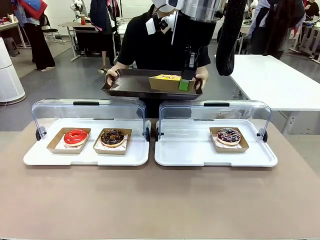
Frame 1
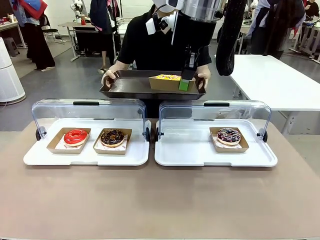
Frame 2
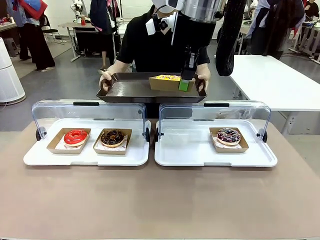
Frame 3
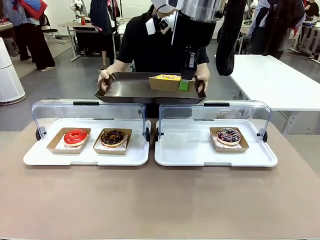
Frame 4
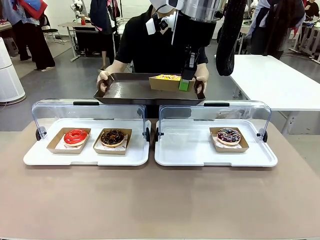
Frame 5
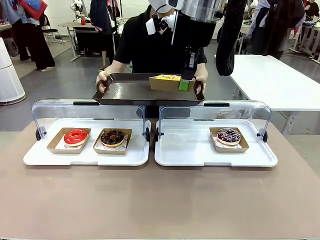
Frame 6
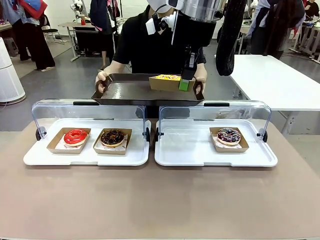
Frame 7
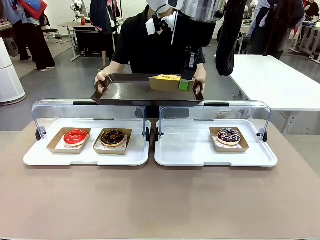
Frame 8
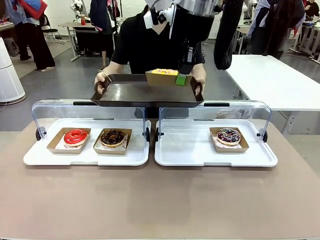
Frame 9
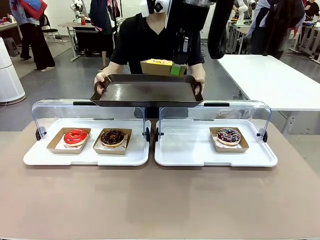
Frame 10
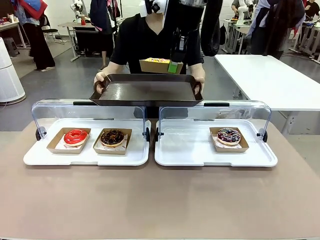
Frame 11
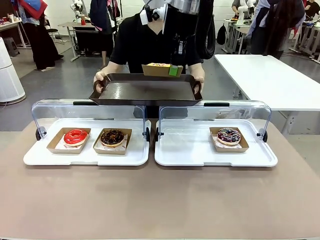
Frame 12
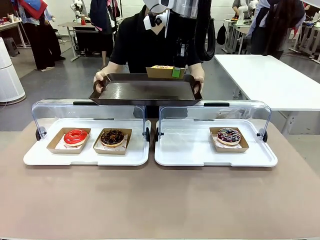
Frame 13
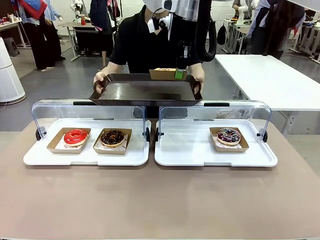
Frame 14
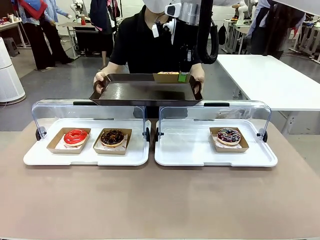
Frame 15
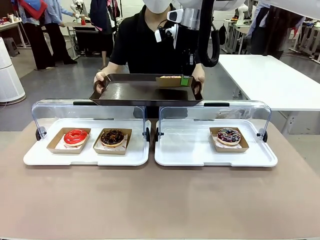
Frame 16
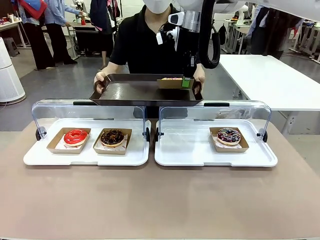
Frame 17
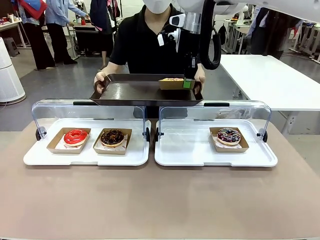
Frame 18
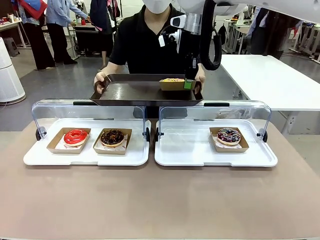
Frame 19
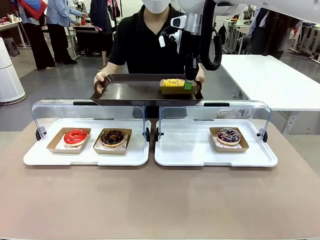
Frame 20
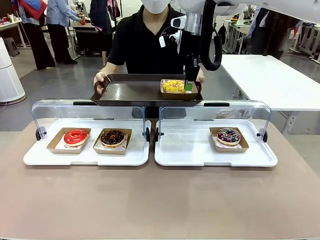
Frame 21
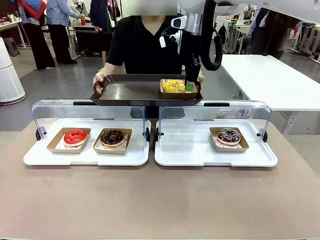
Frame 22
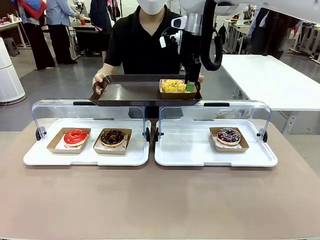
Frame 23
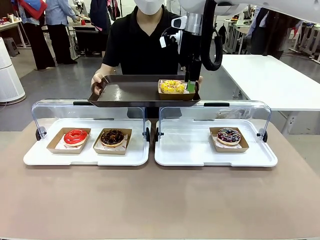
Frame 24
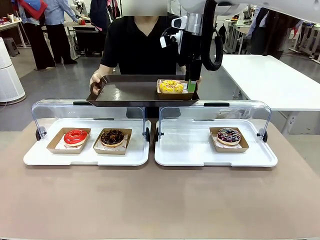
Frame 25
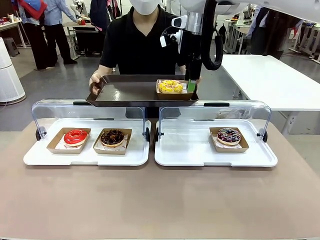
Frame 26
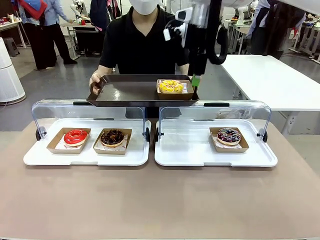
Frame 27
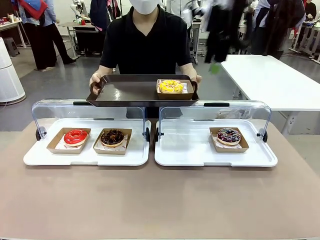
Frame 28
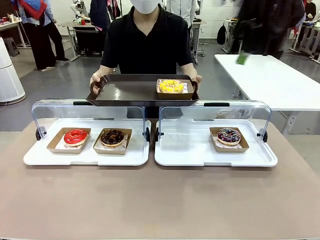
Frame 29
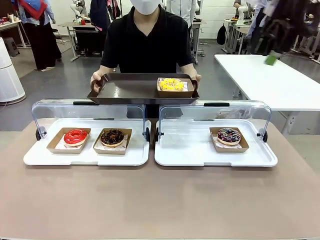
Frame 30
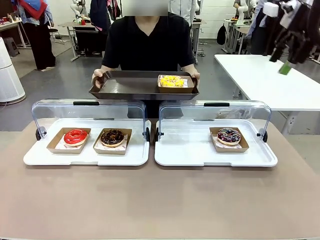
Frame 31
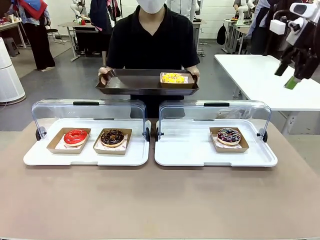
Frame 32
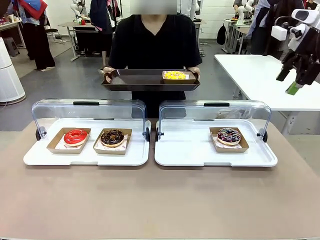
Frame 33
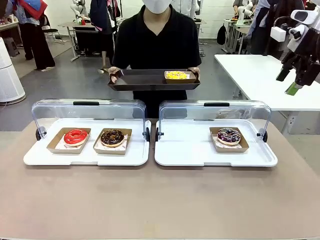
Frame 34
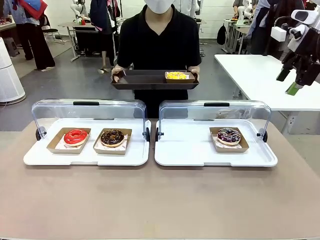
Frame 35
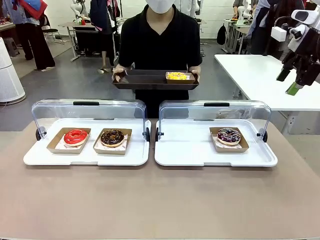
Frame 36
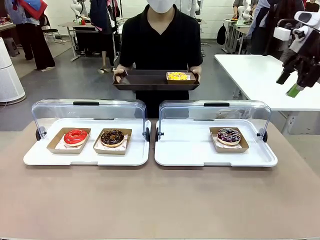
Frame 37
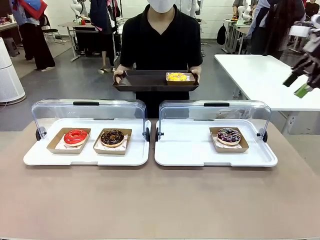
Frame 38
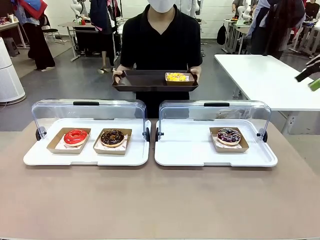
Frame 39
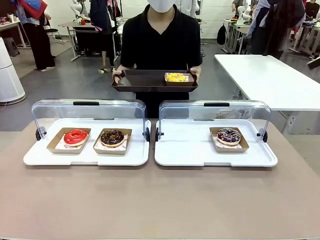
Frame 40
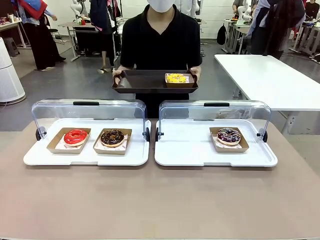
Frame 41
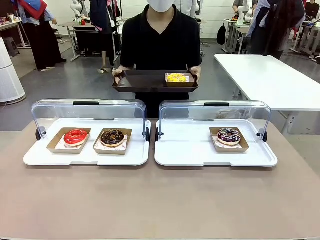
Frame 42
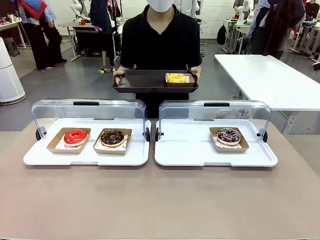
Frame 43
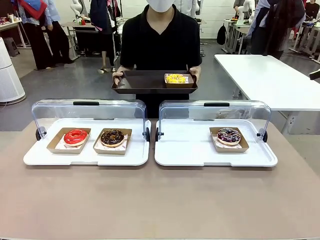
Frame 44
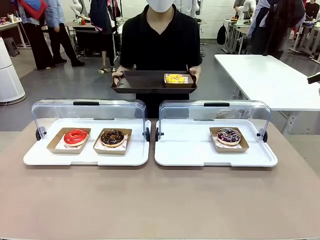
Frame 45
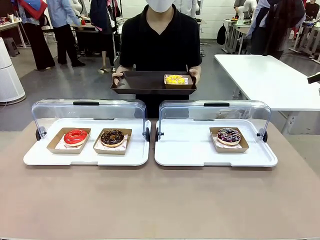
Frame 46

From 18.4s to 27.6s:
Task: Provide the desired donut to the person.
Robot: Place the picked Paper togo box onto the Handle tray extended by the person.
Person: Point to one donut.

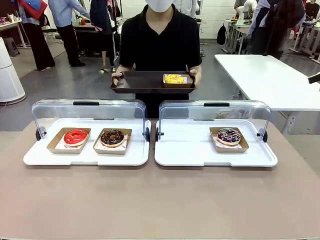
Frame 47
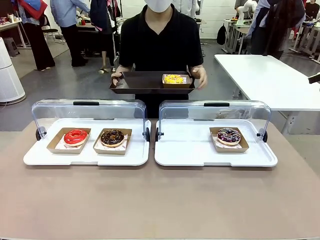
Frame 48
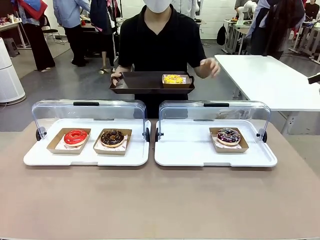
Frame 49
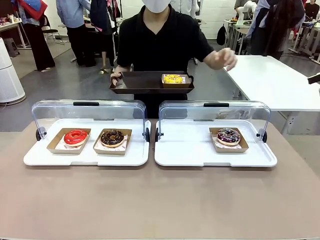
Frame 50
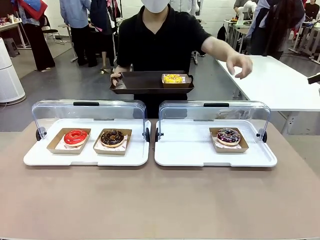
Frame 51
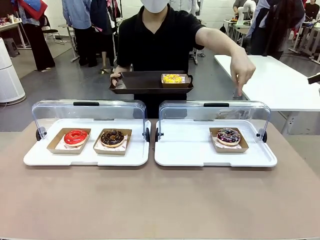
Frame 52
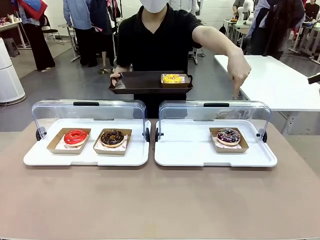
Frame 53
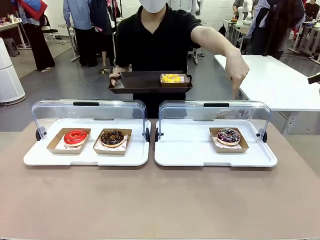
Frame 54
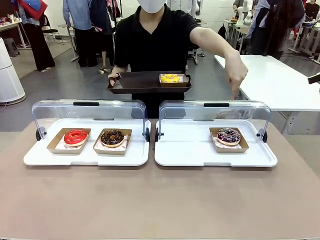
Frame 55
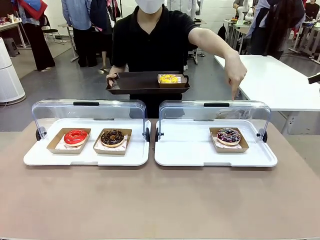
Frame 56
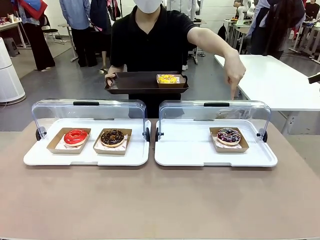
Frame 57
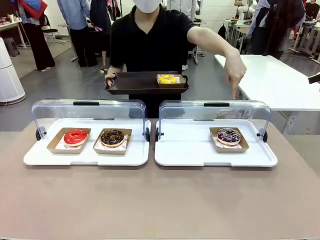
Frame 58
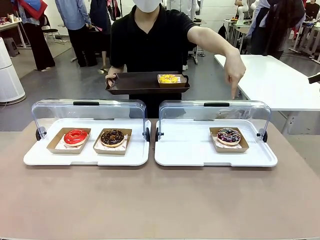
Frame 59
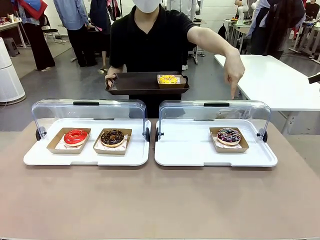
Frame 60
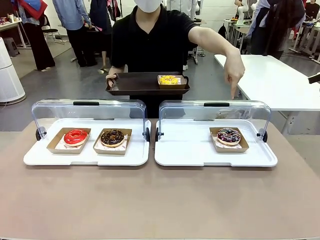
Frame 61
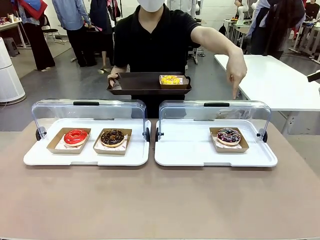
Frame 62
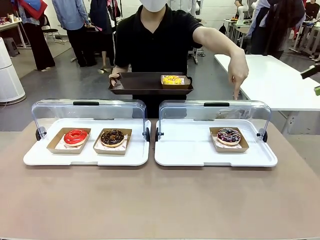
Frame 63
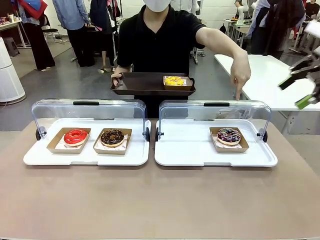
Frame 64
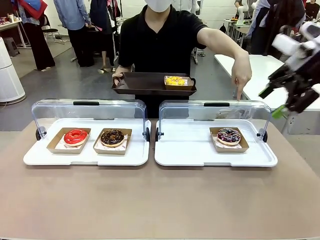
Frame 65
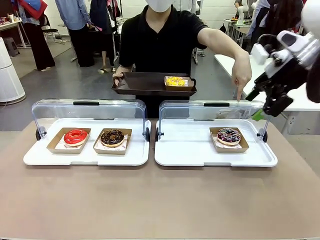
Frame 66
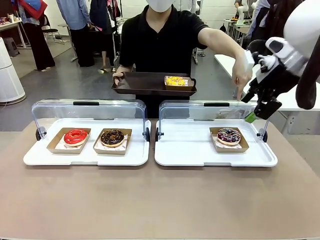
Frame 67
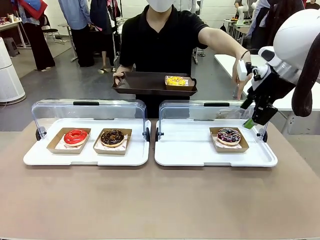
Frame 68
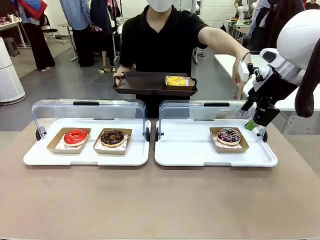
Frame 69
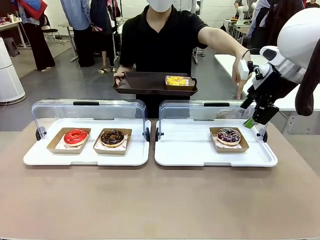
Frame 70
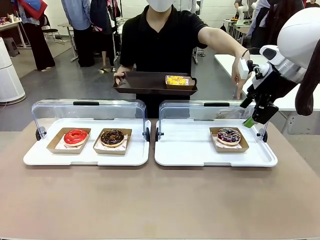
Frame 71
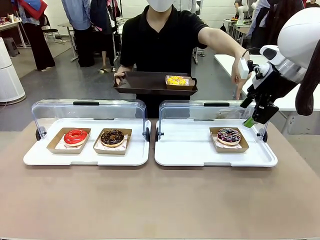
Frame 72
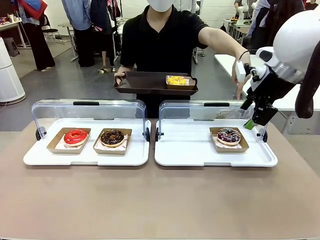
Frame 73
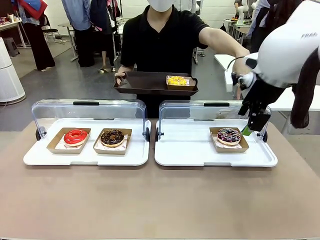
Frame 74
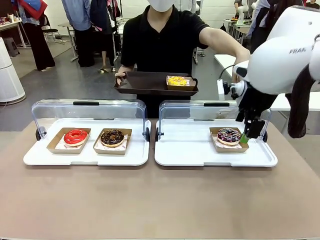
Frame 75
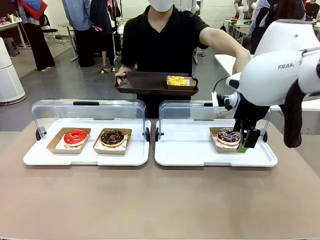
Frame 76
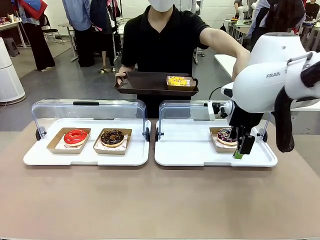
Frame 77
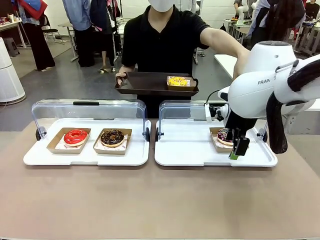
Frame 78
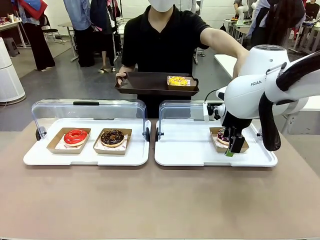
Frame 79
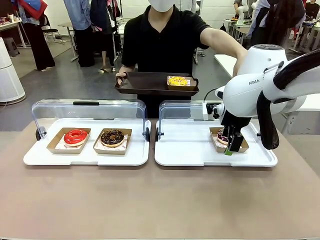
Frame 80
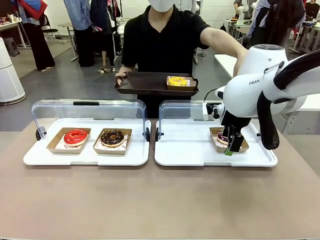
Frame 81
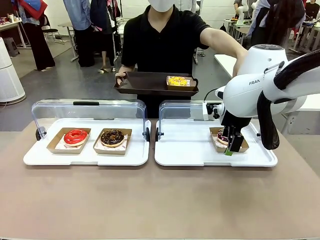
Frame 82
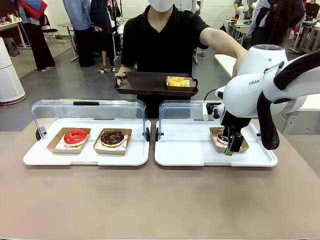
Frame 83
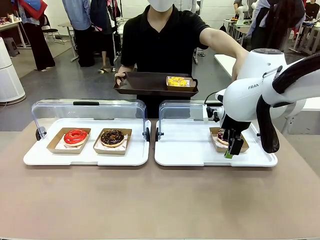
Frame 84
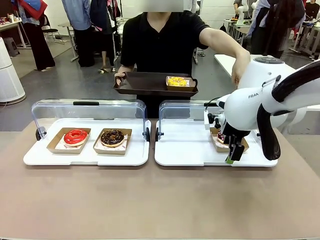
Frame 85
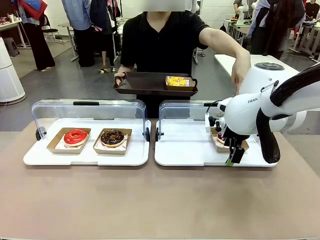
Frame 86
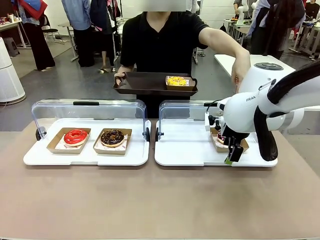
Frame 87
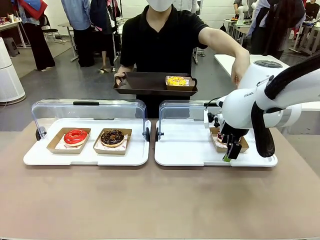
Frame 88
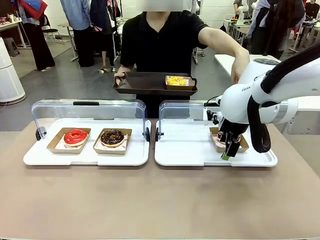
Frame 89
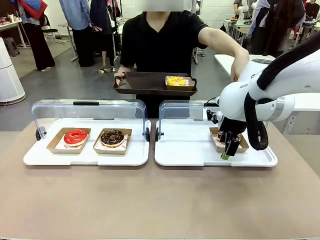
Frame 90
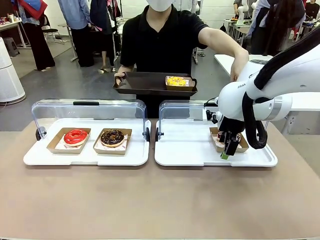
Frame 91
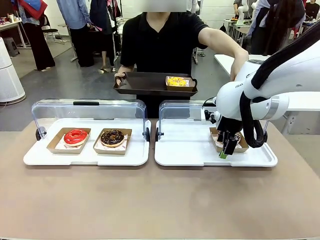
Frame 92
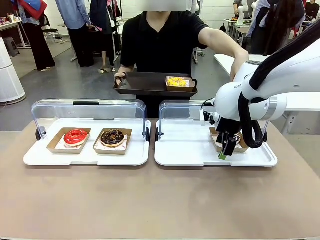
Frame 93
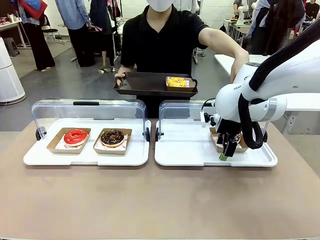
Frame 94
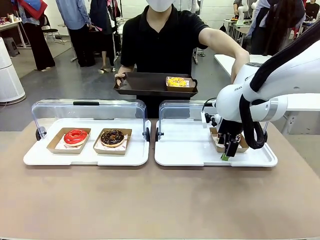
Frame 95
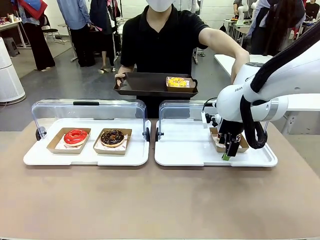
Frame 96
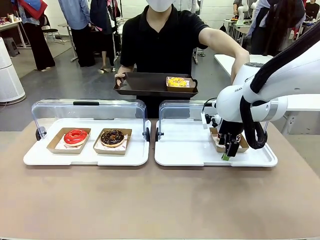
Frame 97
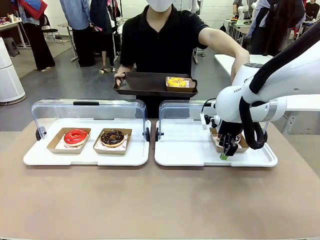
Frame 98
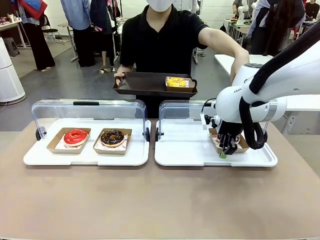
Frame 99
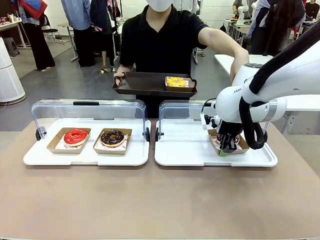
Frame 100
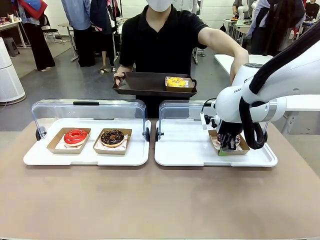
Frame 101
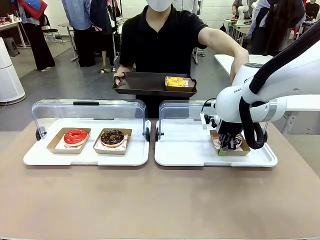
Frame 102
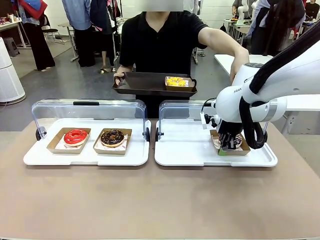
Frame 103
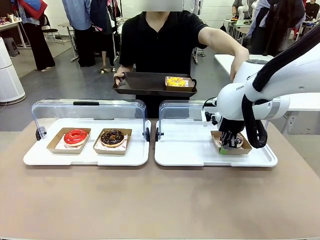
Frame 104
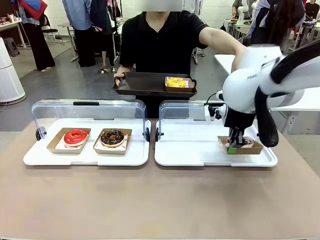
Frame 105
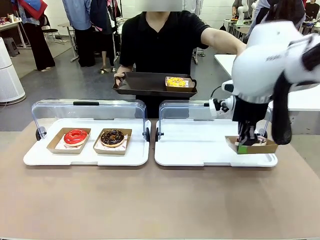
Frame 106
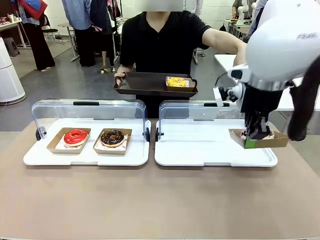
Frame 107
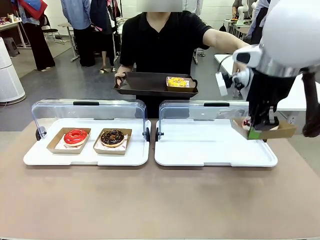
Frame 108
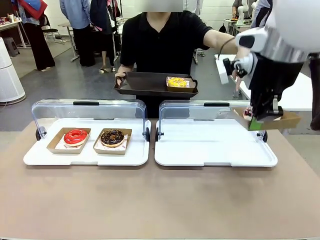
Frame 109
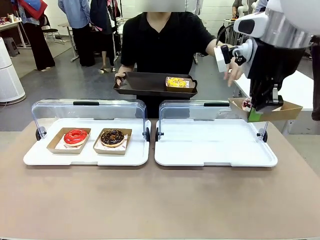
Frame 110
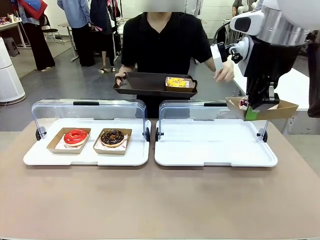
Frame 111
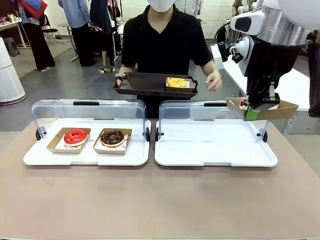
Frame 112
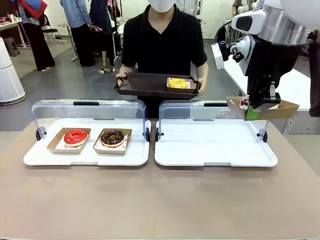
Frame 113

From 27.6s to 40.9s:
Robot: Pick up and lift the Paper togo box containing the Donut pointed at by the person.
Person: Lift the tray onto the Roll-Top Bakery Case.
